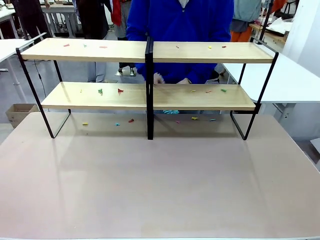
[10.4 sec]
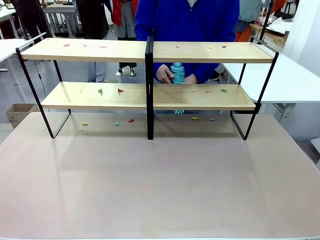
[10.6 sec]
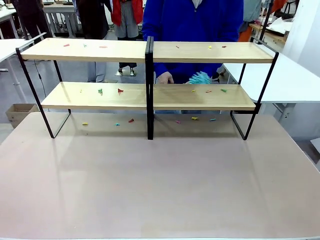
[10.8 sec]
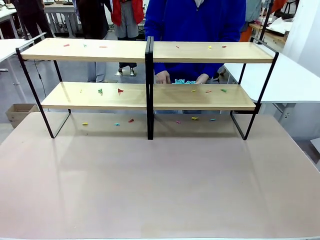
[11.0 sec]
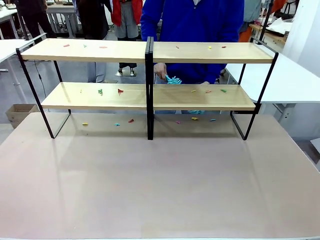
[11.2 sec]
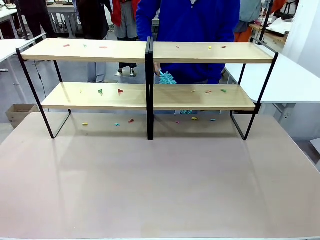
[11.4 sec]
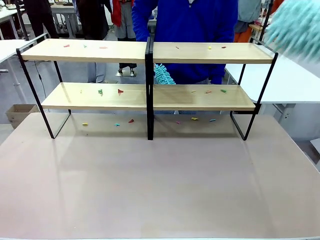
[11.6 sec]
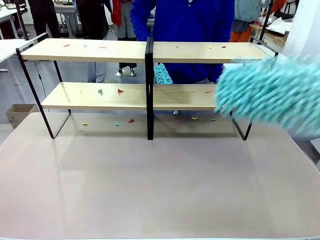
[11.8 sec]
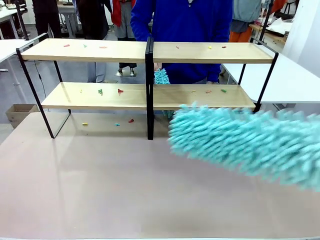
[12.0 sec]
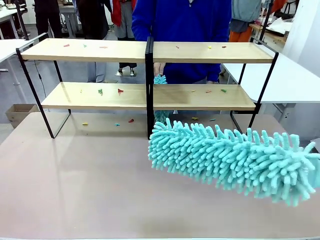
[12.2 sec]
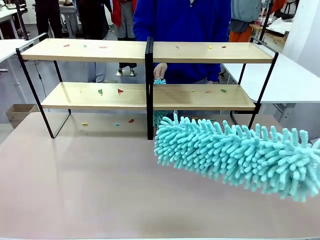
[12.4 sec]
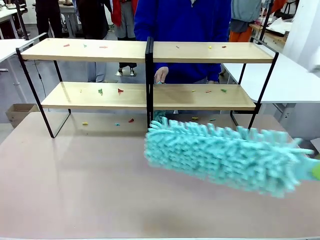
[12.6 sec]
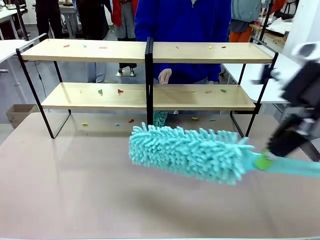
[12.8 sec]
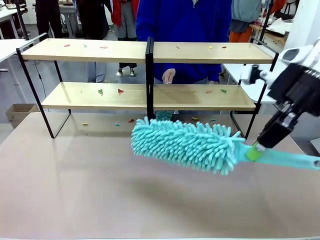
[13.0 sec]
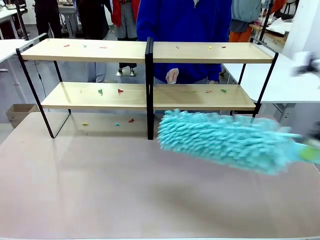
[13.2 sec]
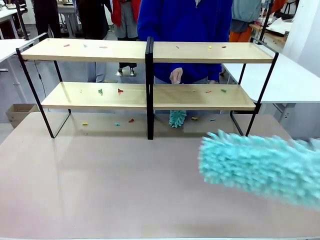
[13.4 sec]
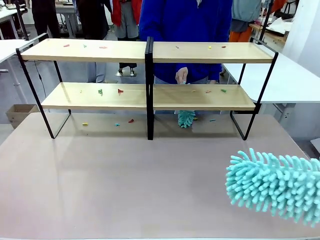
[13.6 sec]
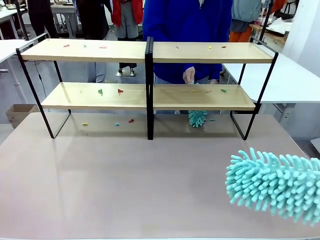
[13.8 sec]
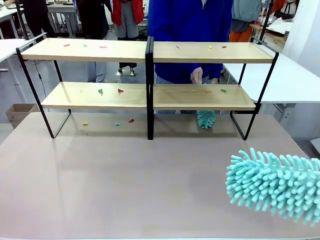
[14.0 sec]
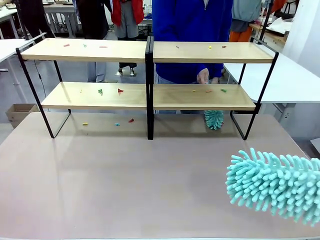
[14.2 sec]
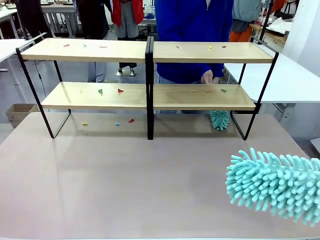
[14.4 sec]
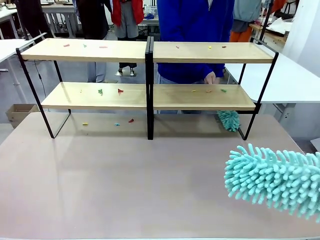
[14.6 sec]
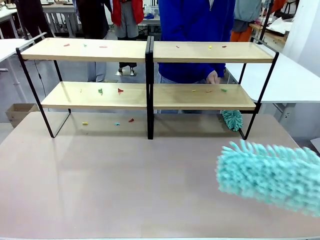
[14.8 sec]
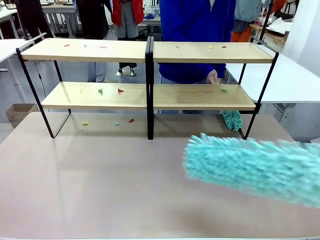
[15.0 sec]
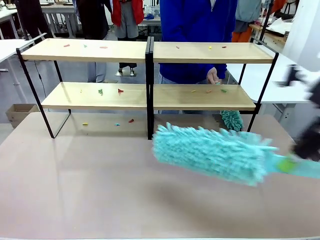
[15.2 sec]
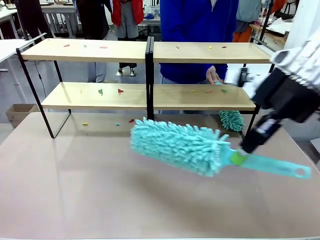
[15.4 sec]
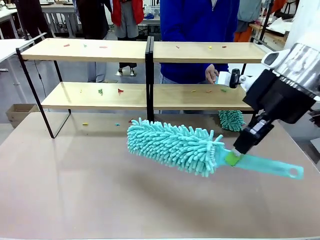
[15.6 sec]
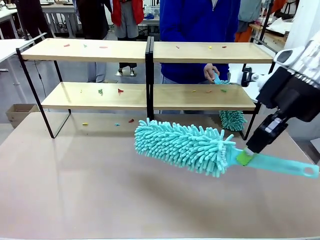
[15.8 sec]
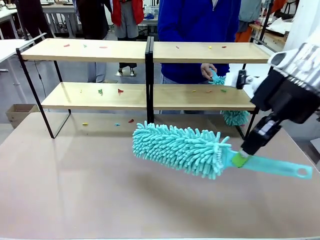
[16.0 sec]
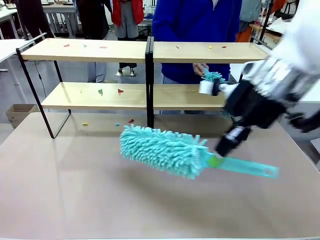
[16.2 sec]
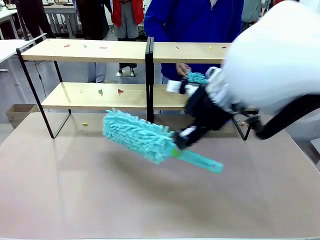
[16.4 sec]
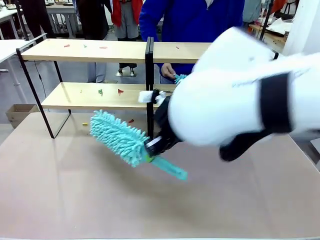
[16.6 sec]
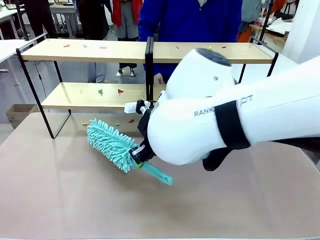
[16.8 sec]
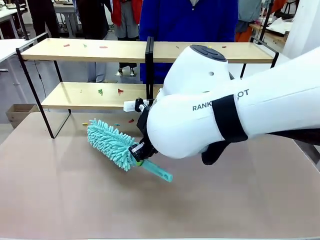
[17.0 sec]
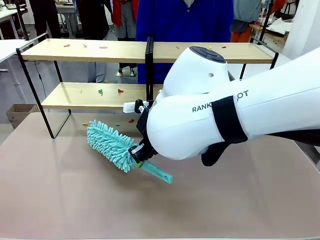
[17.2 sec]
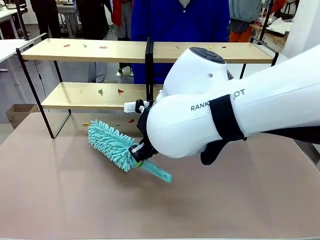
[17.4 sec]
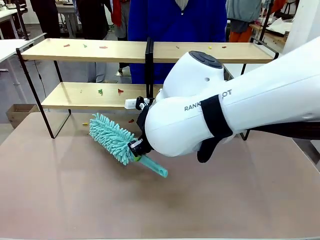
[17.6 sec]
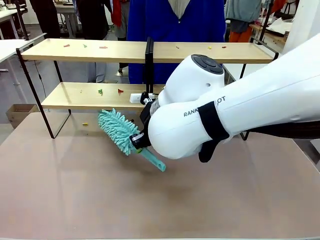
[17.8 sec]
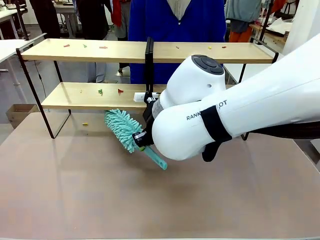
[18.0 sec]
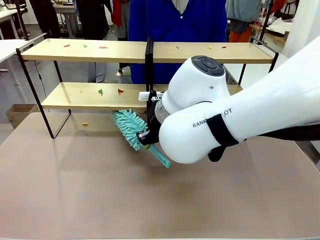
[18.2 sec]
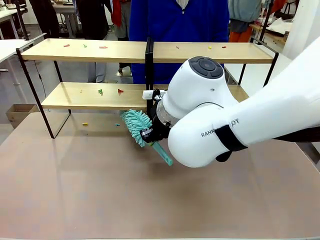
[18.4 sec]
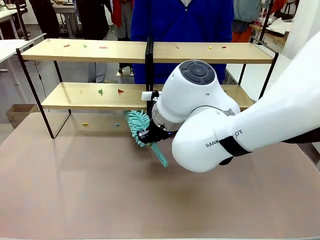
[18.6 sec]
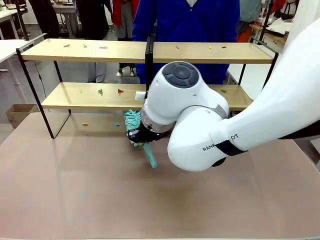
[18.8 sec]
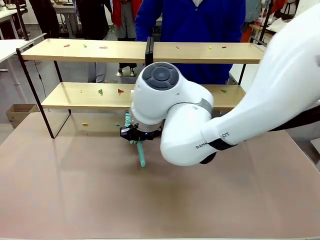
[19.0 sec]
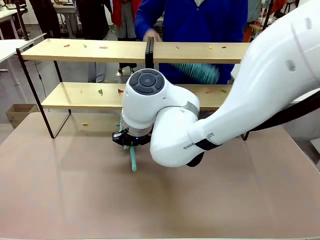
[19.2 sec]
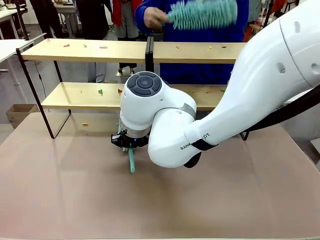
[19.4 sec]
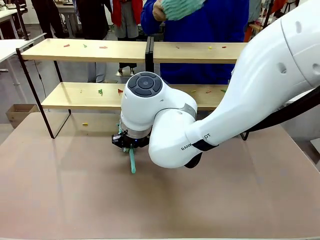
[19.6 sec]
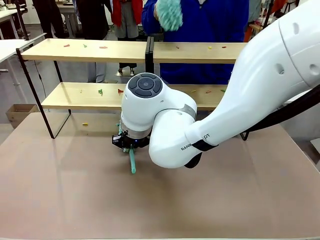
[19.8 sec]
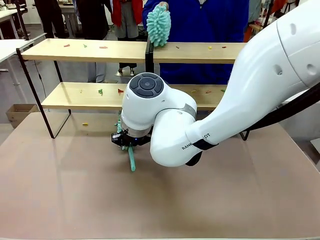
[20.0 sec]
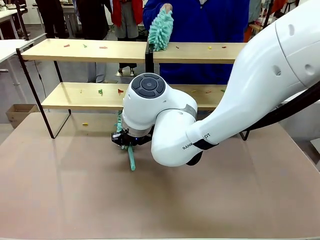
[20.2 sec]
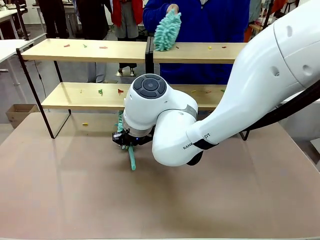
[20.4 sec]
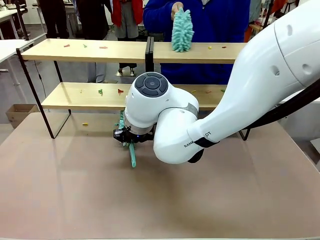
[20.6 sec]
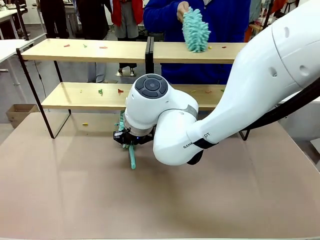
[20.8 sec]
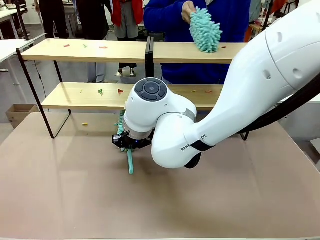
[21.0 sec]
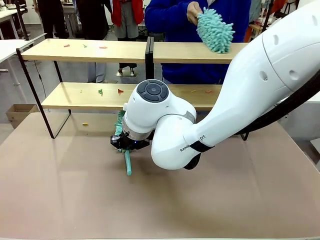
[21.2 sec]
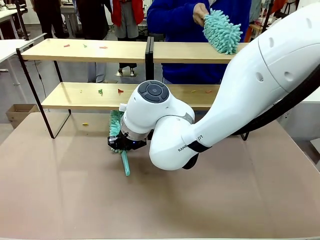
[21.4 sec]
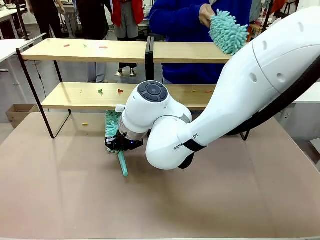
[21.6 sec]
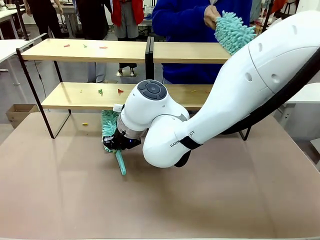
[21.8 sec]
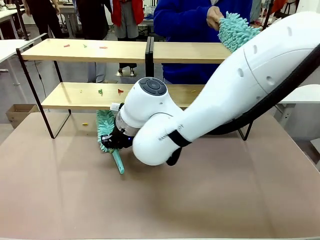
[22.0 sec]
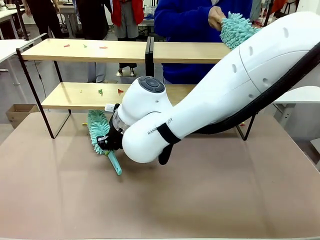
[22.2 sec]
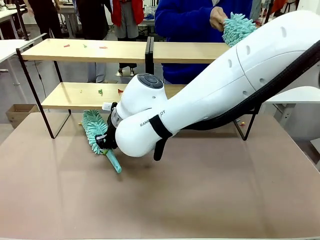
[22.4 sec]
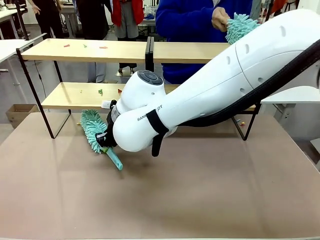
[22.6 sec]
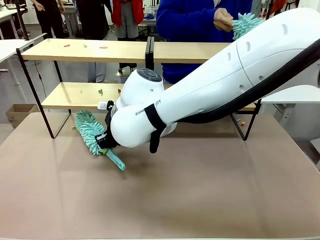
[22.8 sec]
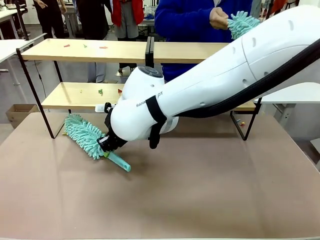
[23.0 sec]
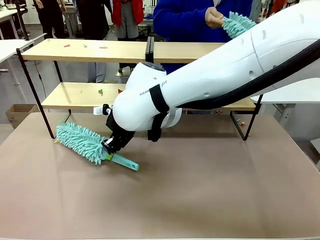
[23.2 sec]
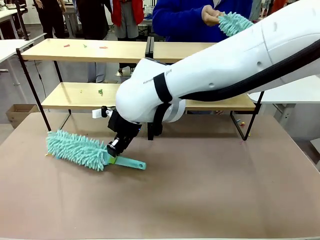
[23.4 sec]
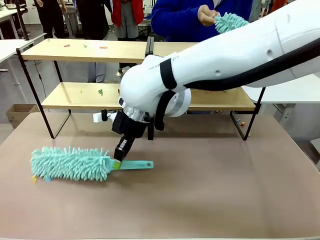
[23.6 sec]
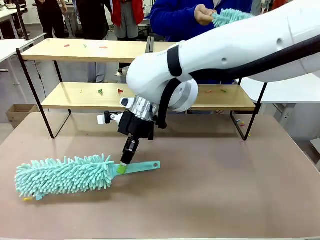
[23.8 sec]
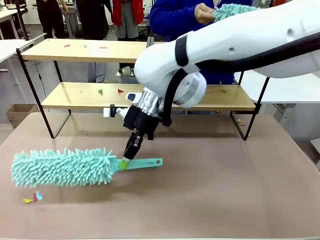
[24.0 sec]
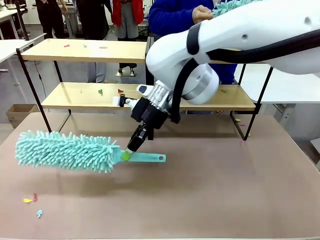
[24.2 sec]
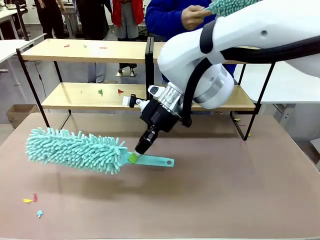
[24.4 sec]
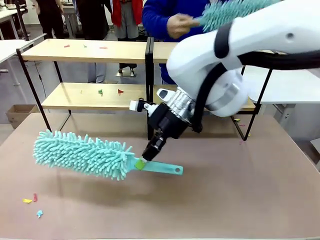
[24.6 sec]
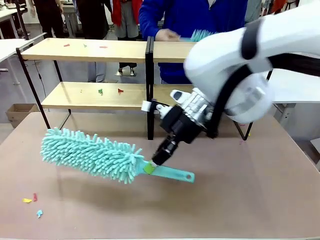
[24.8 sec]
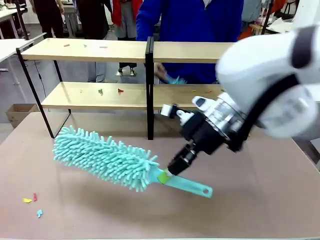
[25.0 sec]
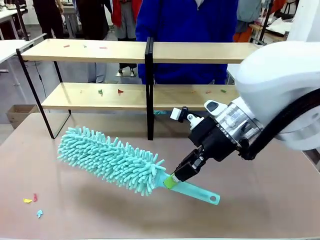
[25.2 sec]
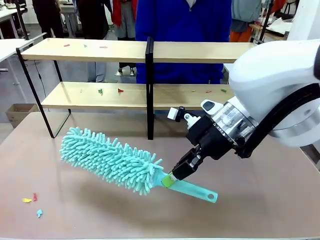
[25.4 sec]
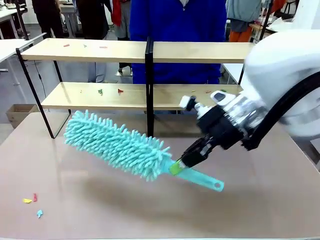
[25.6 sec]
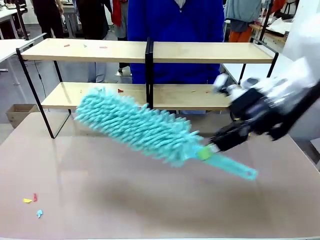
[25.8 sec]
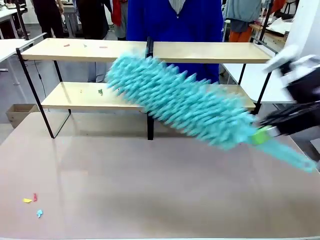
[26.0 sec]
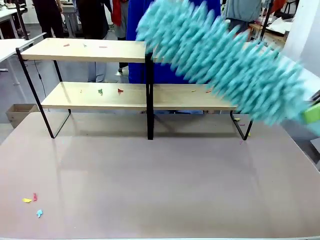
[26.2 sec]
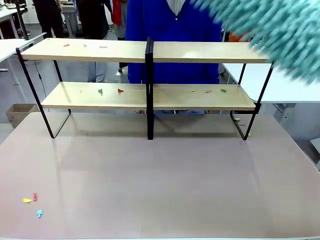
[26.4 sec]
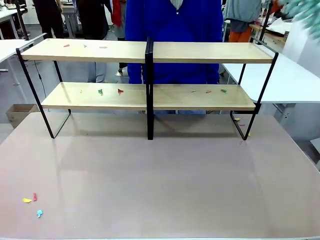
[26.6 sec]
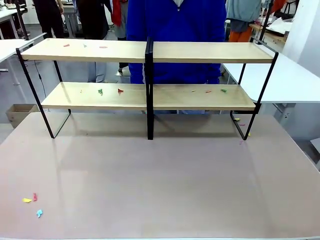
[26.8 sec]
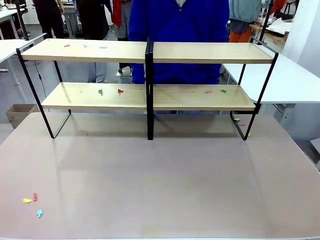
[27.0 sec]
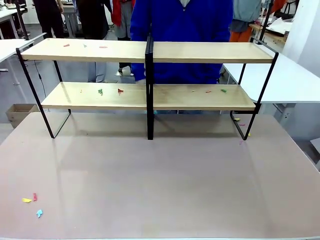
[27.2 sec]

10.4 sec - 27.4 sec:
Task: Clean the shelves.
Robot: Clean a randomly selected level of the Shelf with the Duster.
